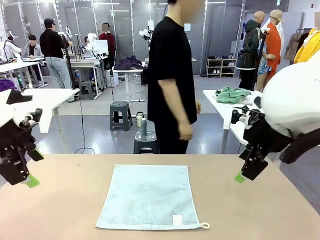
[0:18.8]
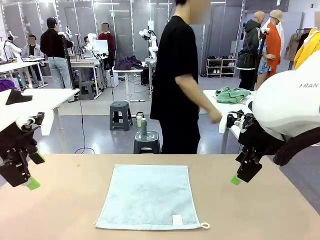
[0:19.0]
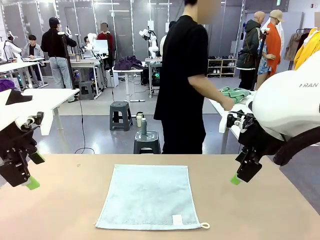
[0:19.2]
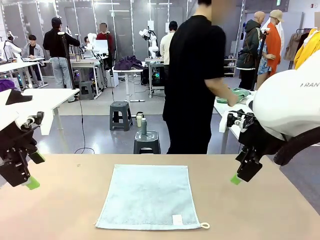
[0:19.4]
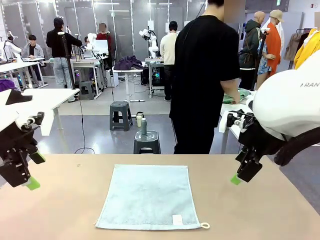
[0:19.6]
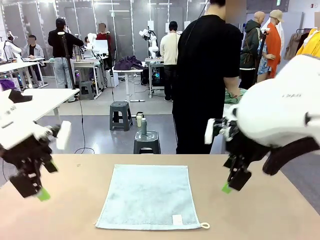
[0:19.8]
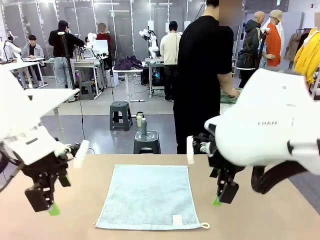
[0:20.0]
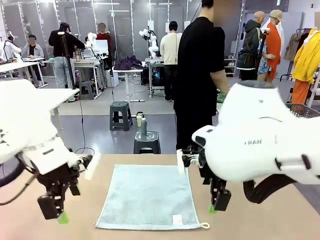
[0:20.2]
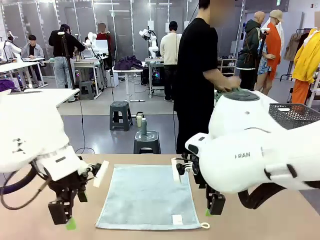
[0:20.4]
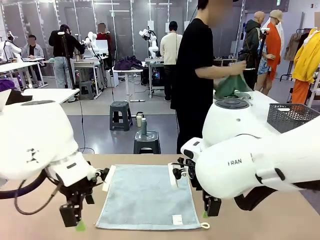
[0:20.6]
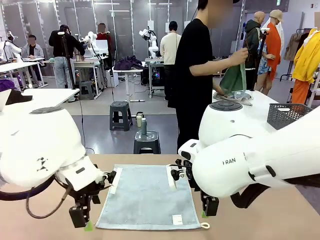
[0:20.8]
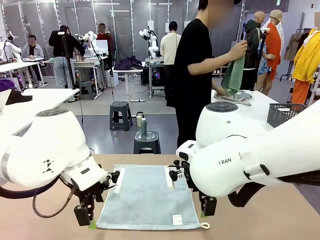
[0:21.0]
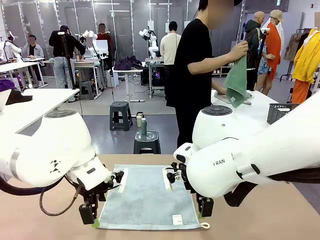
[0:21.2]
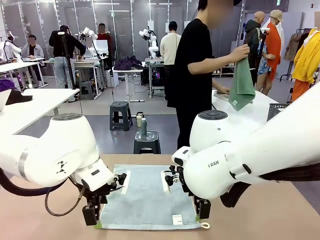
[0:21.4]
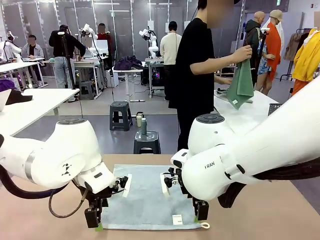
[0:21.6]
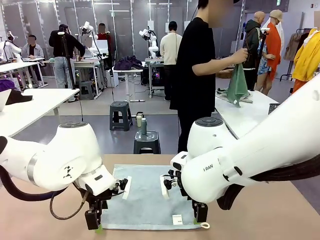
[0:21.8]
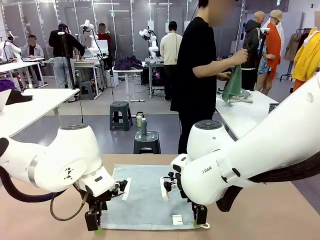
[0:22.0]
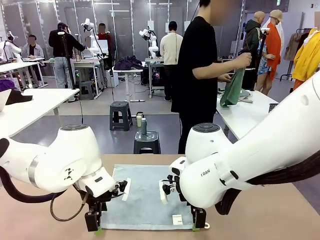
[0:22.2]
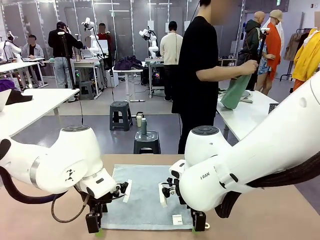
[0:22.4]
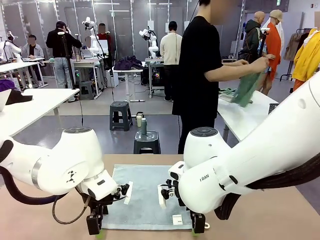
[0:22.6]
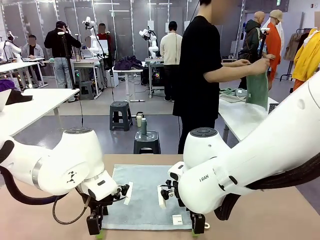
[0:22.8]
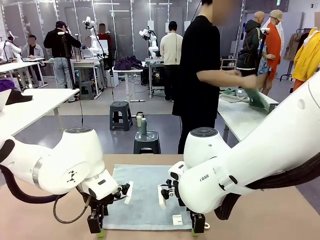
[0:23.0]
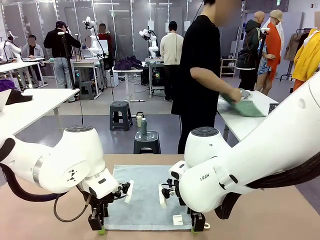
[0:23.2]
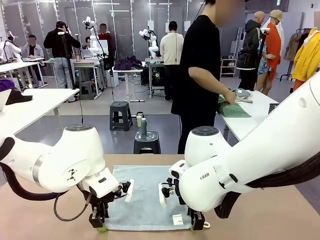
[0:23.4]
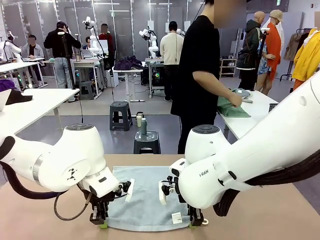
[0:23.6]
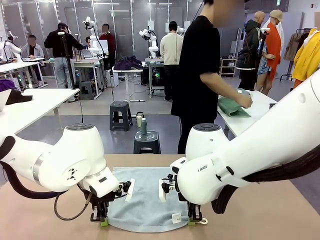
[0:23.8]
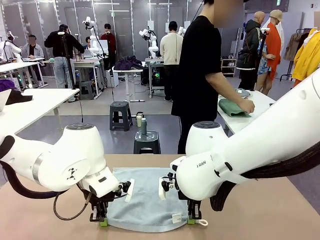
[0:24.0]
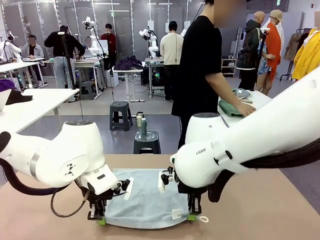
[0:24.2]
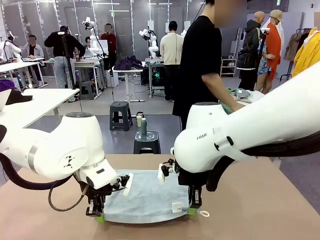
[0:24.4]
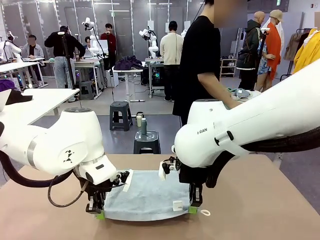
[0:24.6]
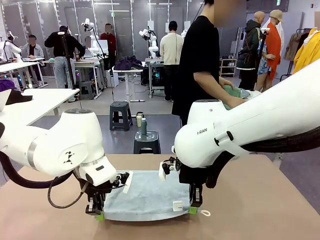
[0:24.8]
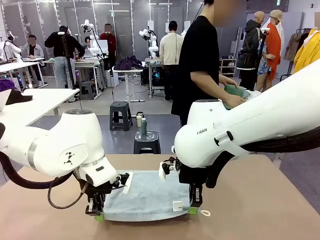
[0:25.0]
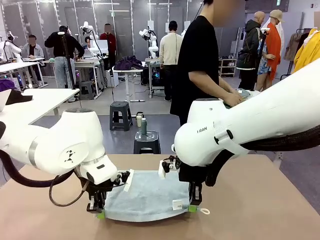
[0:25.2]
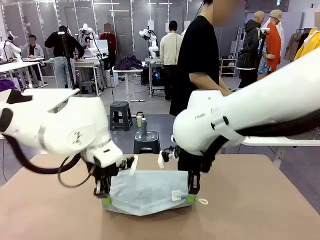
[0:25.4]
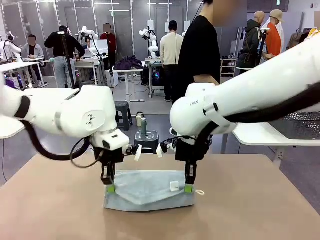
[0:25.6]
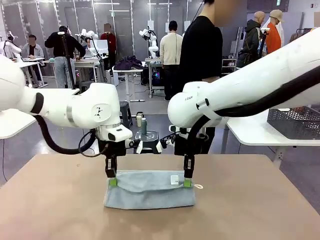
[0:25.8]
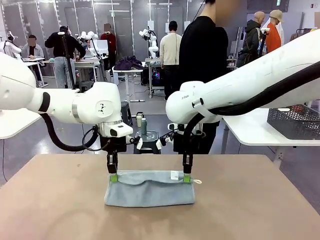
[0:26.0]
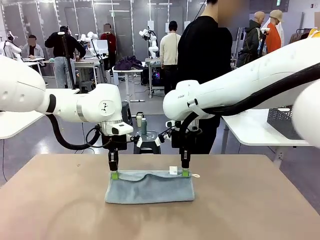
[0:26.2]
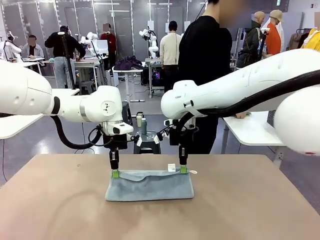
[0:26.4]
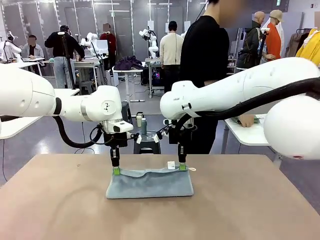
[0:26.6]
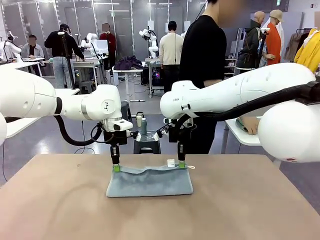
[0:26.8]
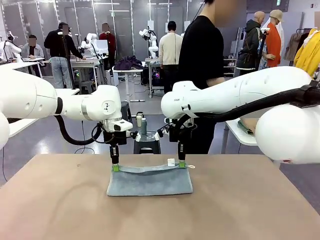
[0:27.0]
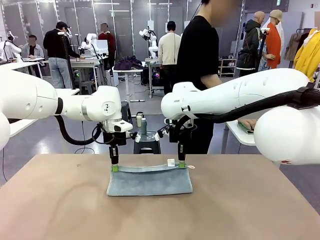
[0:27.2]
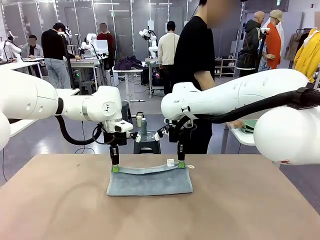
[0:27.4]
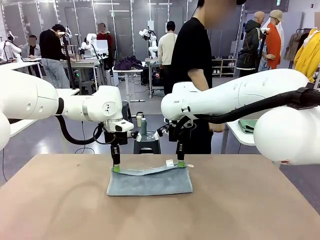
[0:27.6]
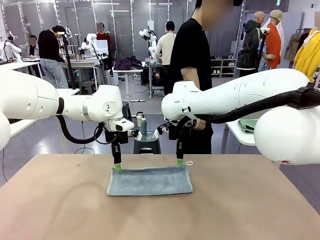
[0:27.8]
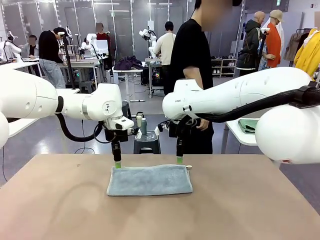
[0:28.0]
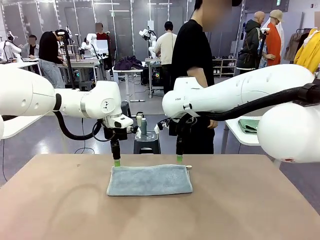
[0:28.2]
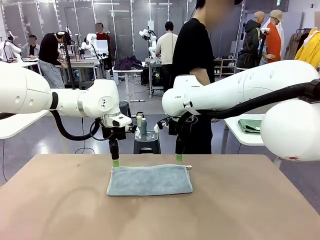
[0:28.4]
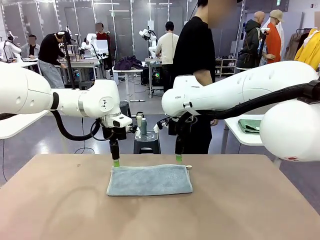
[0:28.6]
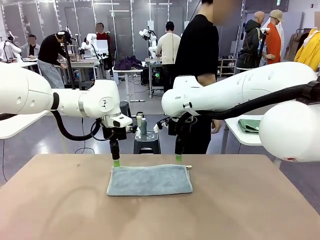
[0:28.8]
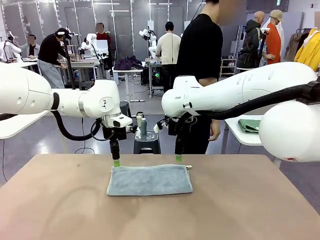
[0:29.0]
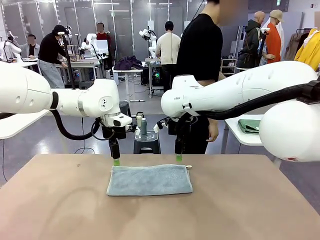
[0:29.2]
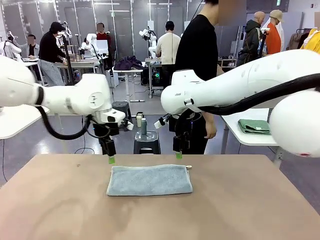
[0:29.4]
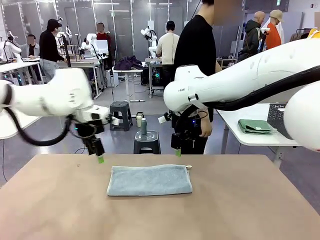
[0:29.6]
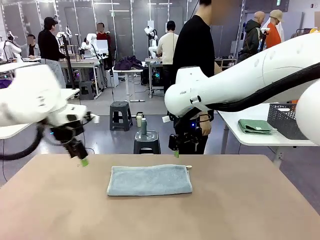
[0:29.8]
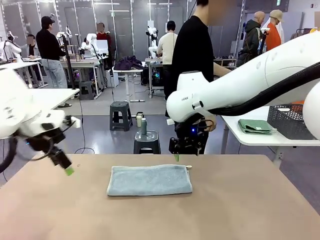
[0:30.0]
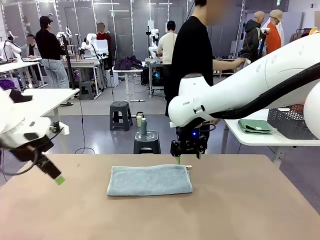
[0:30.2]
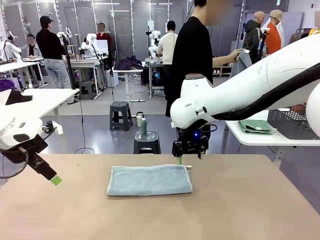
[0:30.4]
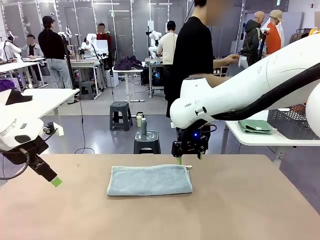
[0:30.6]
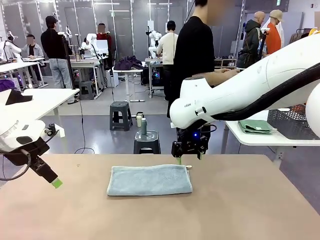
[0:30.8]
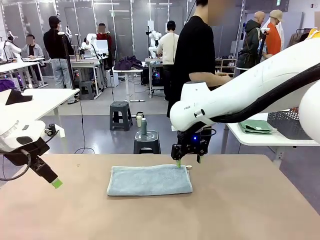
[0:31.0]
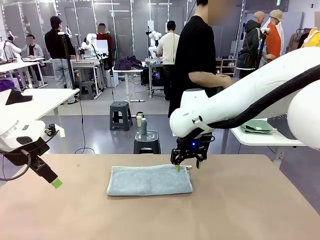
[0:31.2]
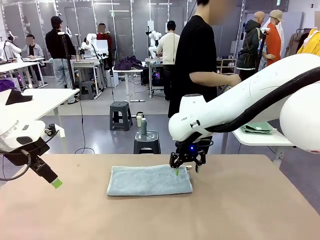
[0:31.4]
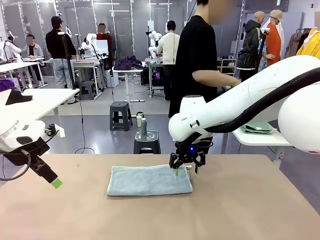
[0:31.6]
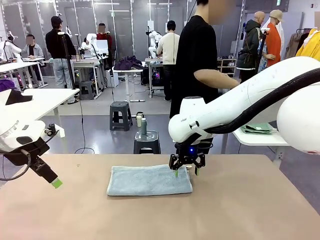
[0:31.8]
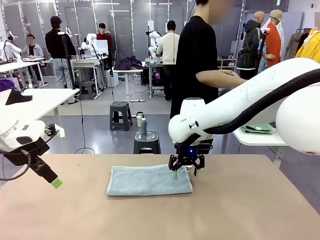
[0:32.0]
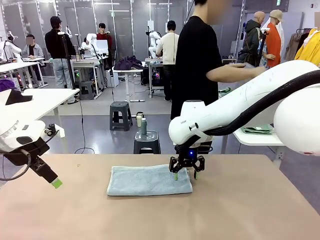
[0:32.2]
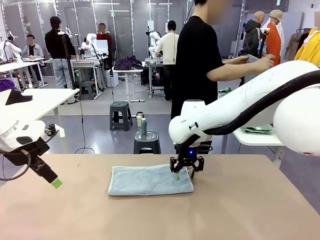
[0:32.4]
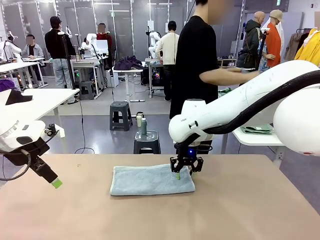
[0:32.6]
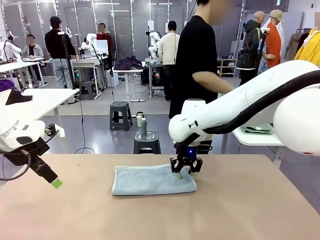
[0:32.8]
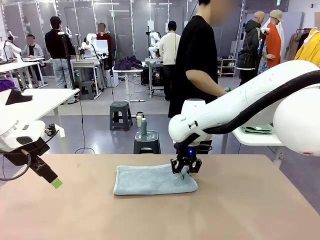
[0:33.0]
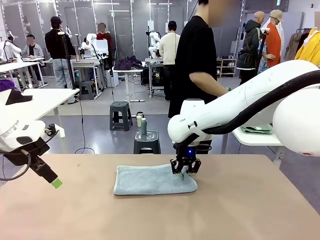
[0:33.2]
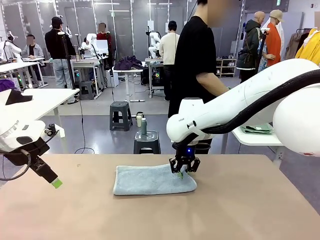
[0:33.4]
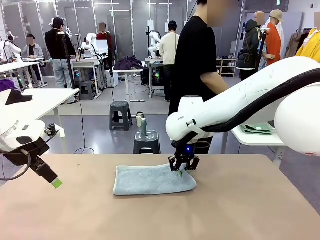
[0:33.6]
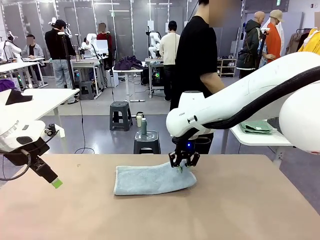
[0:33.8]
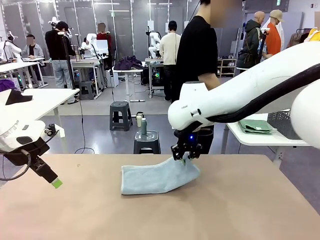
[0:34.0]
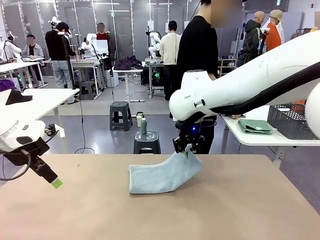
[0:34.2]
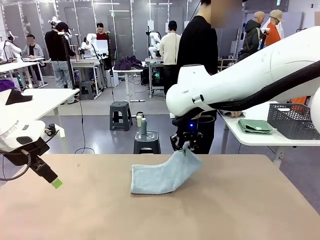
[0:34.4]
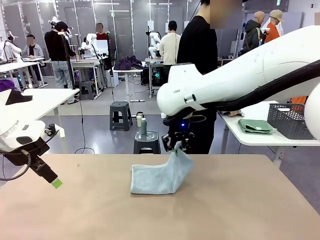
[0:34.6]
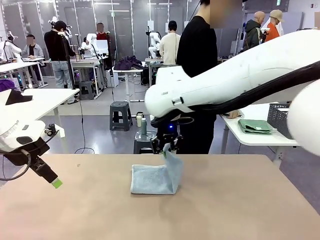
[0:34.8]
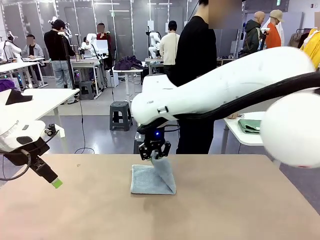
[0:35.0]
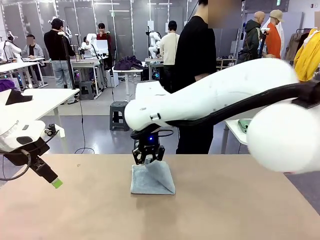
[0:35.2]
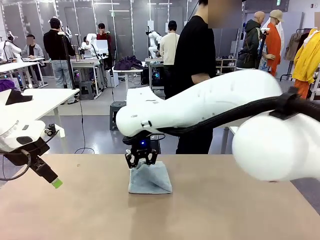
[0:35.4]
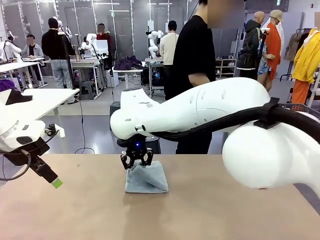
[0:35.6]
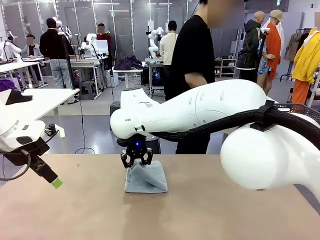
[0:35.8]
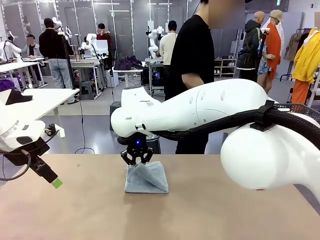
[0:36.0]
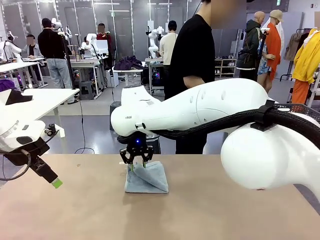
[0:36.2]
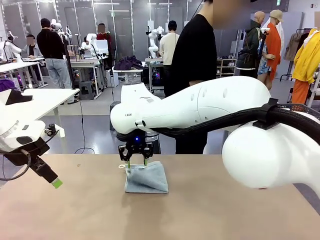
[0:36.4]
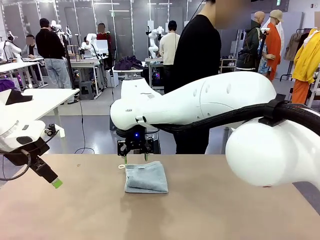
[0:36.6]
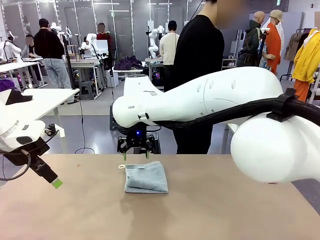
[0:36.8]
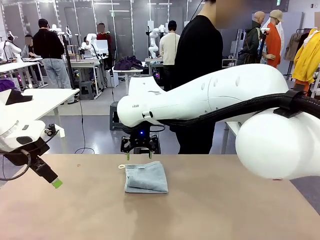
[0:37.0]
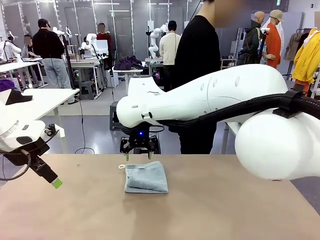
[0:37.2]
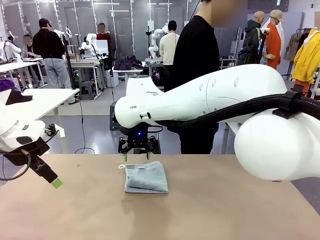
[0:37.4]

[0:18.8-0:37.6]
Task: Fold the towels and place them in the basket.
Robot: When a person lays out a Towel with hook on the table, fold it in half twice.
Person: Pick up one towel from the left side of the human table, fold it in half twice, and place it on the right side of the table. Pick up one towel from the left side of the human table, fold it in half twice, and stack it on the right side of the table.
